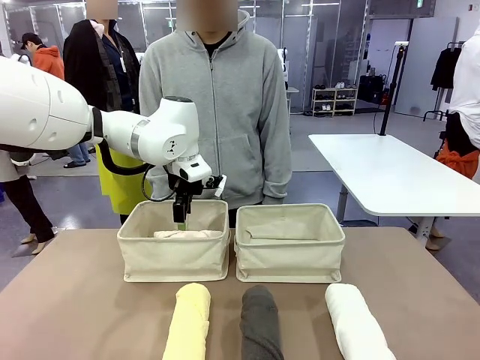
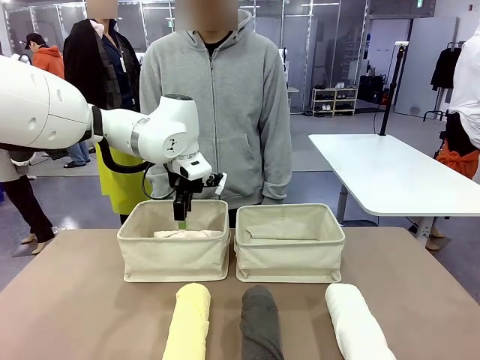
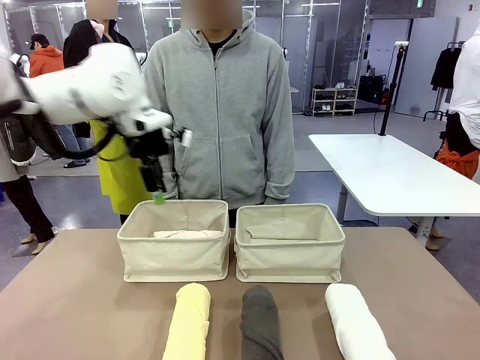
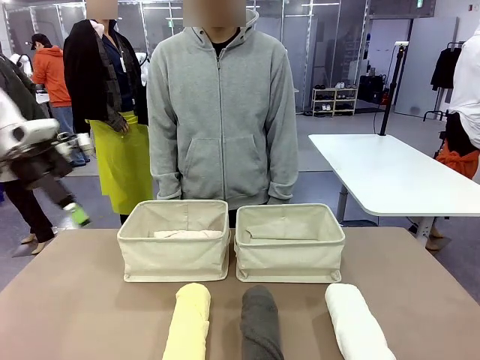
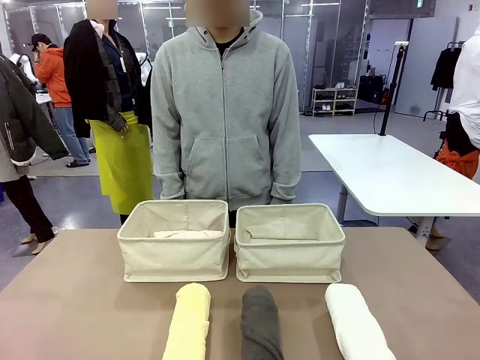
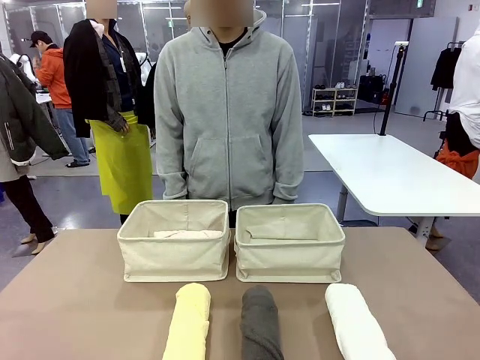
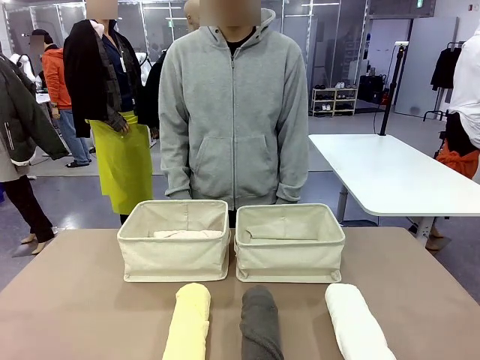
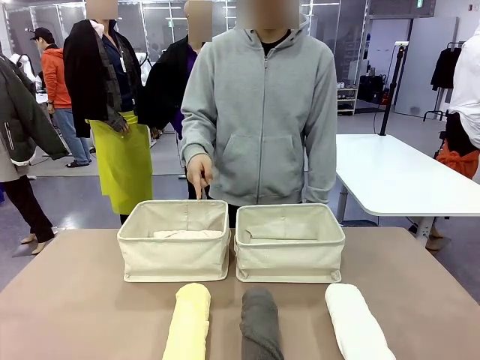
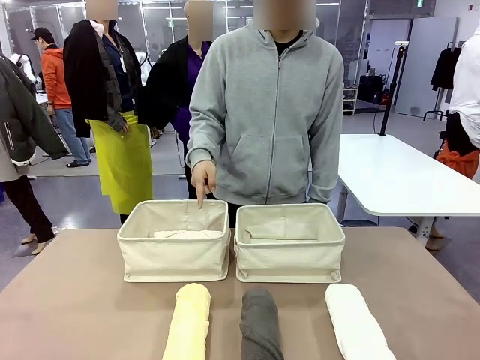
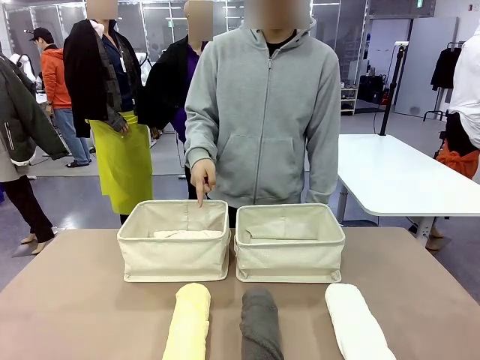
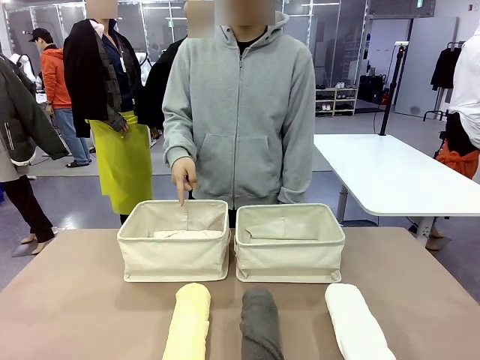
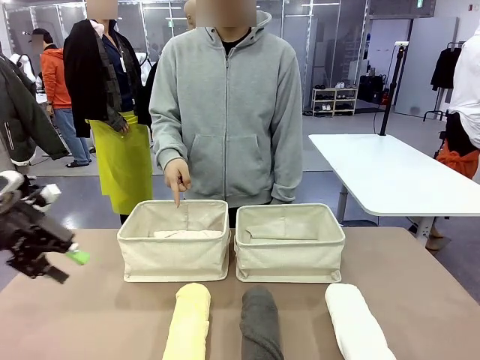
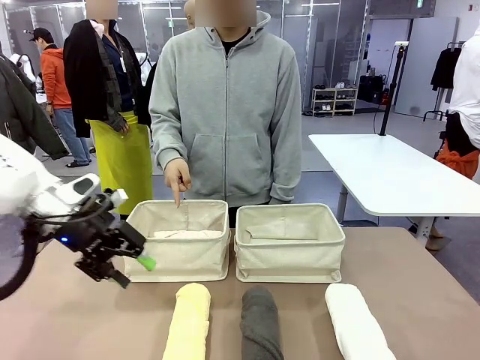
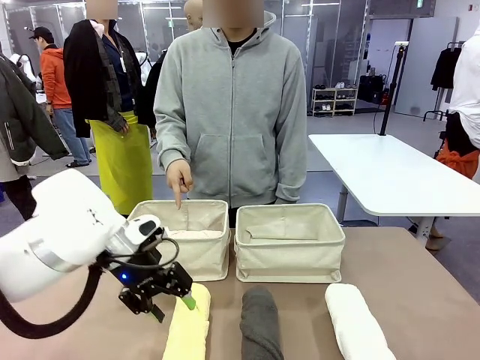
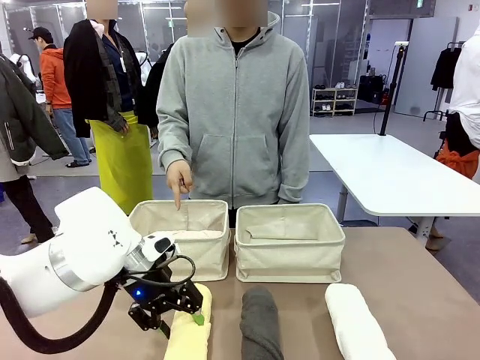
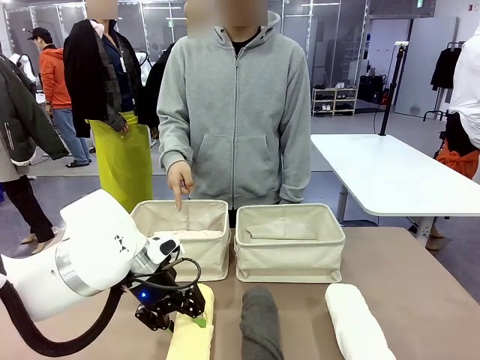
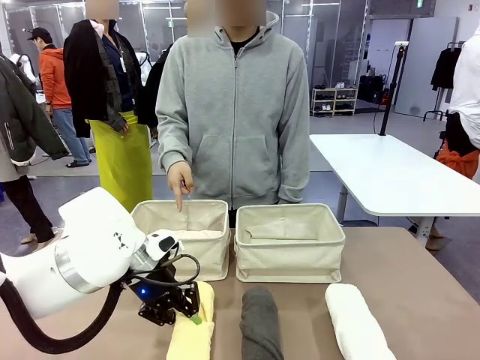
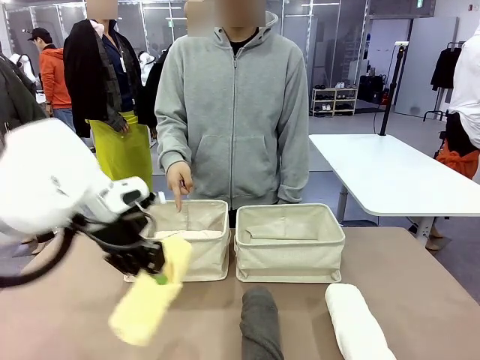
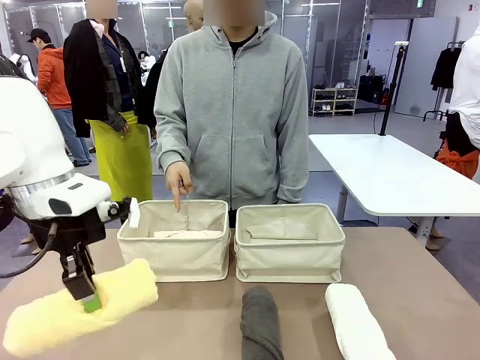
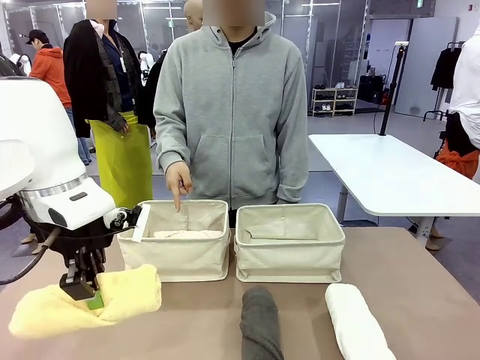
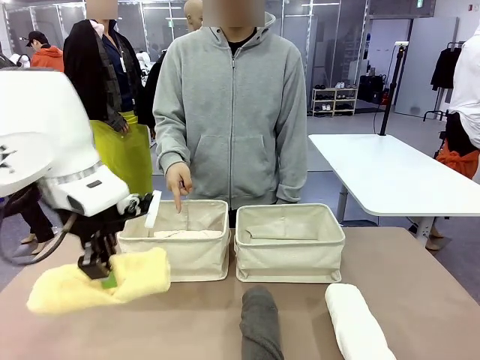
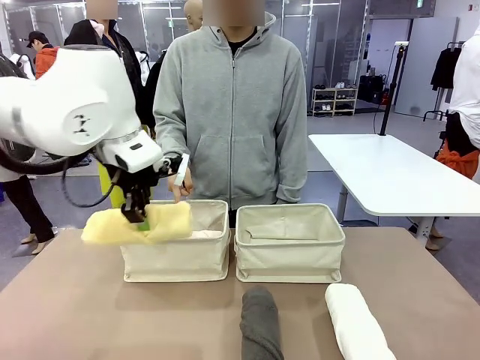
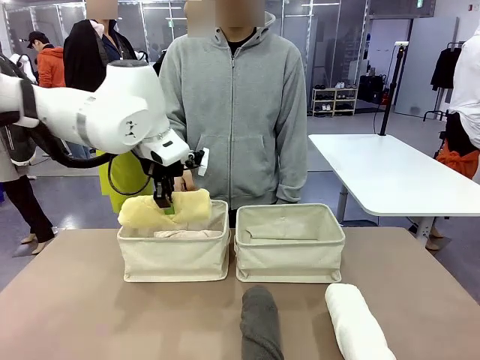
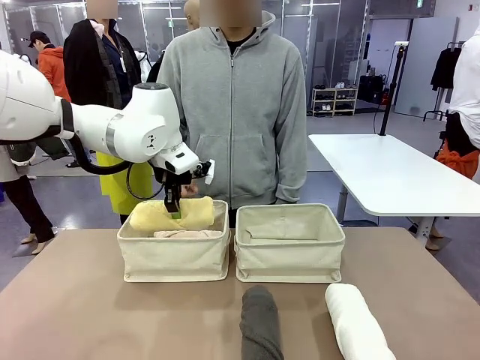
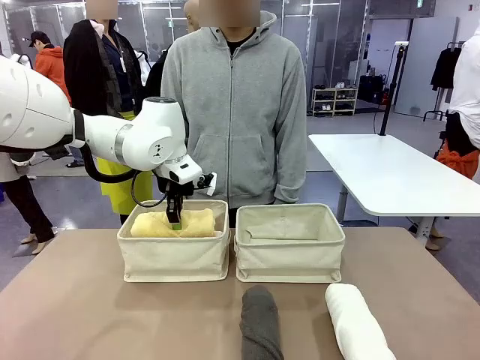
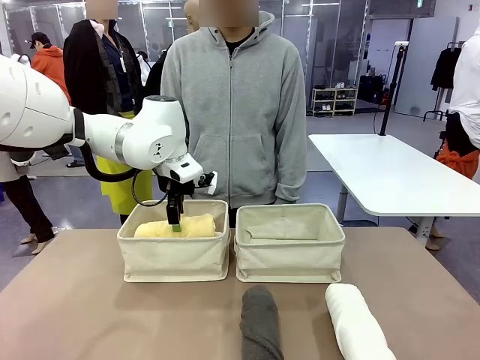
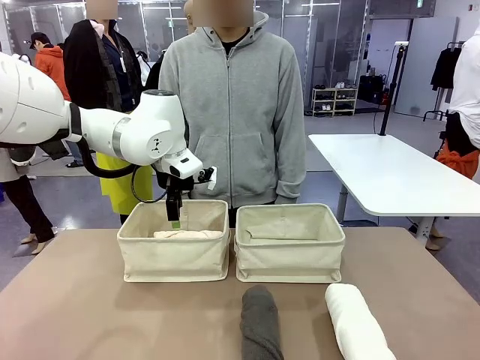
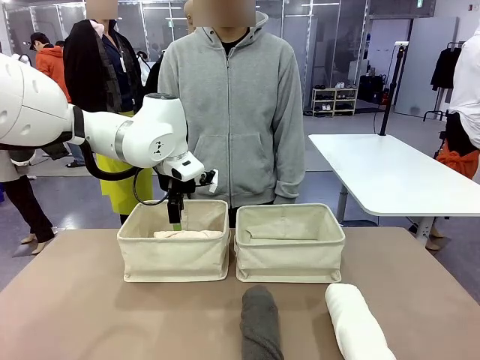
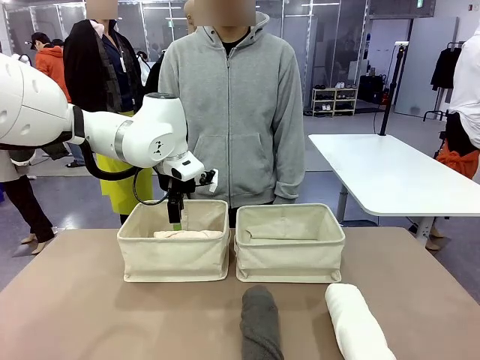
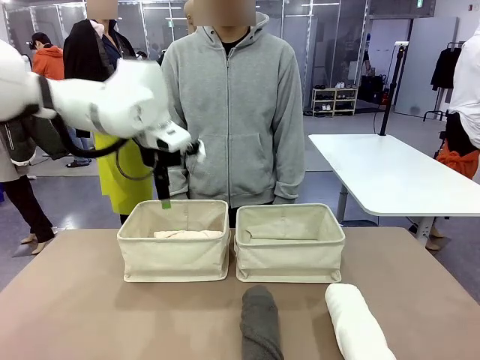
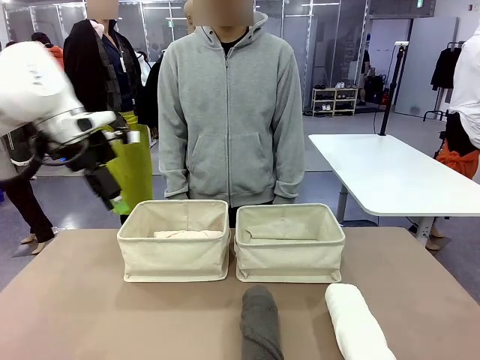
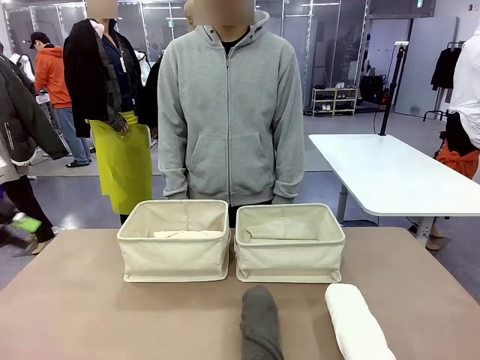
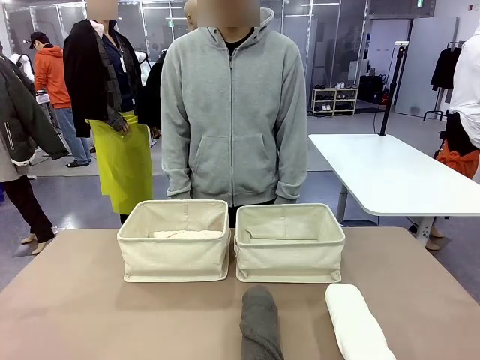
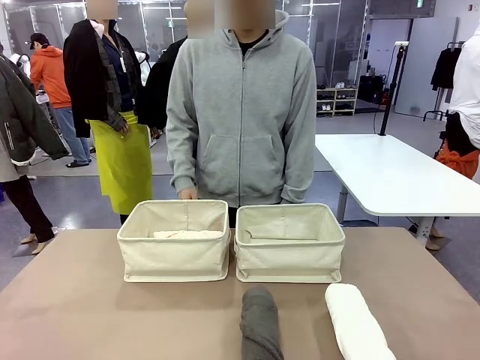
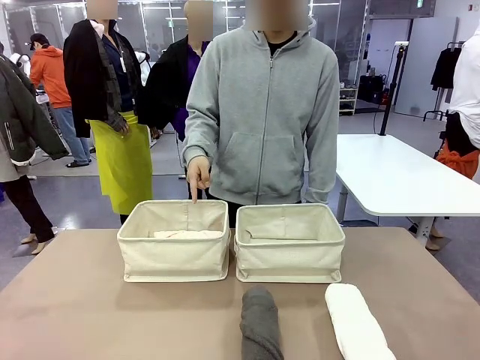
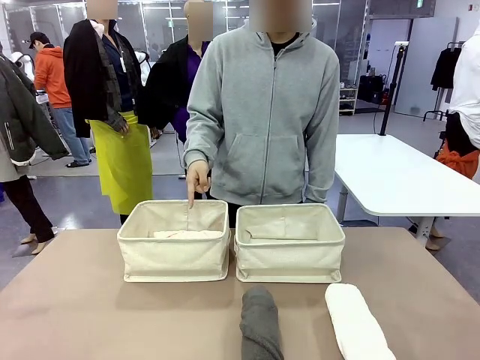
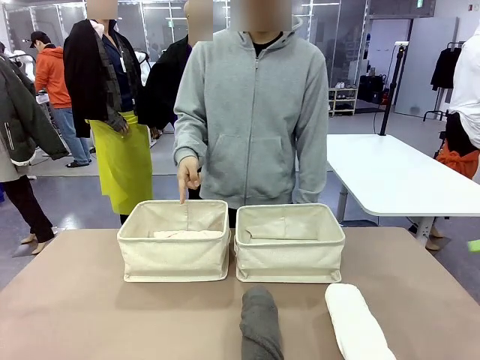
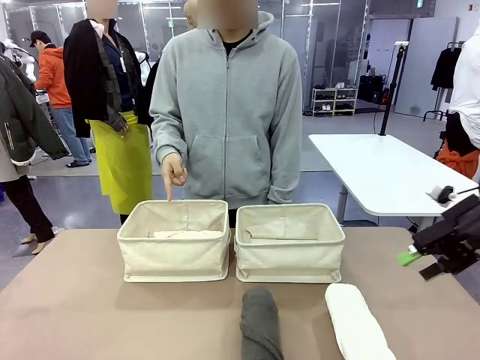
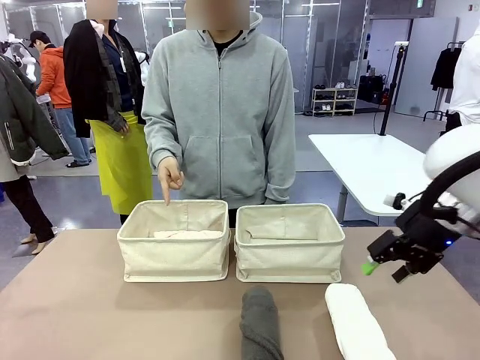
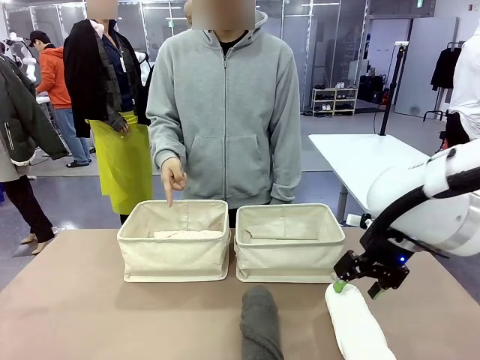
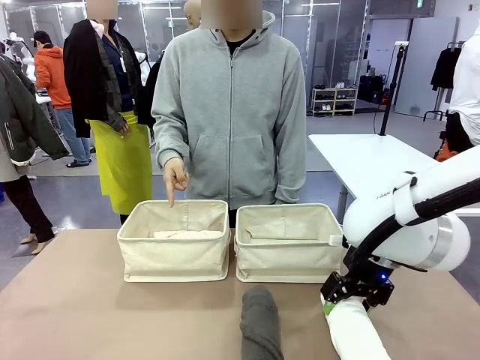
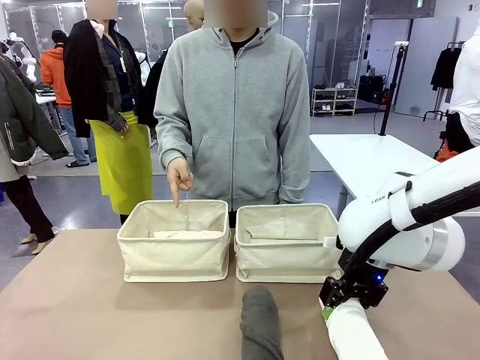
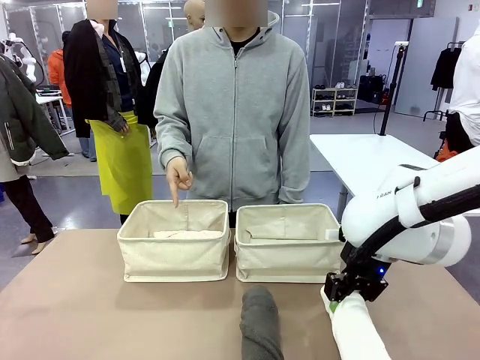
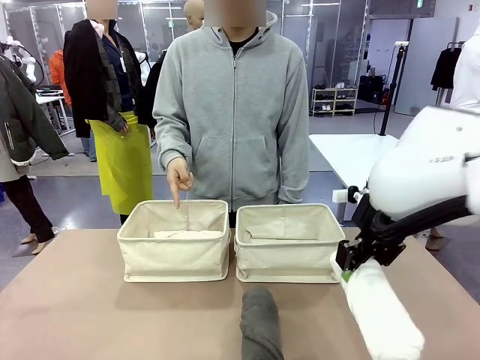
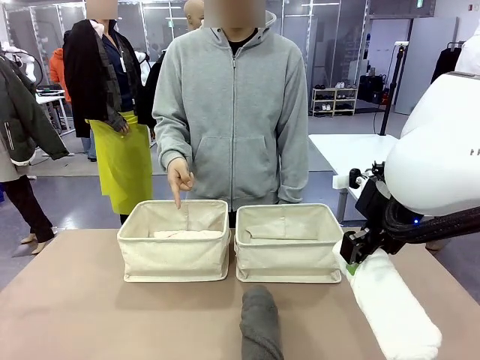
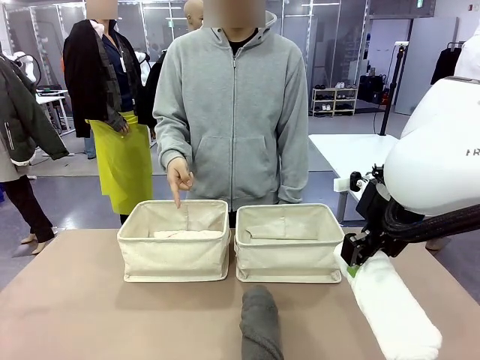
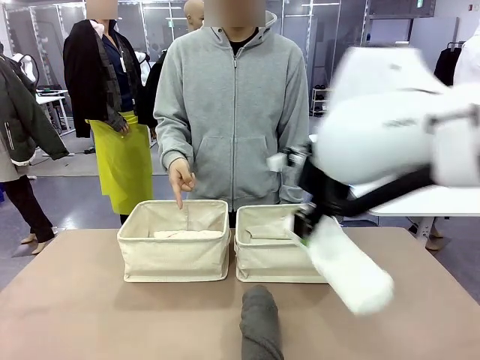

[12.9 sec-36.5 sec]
Task: Divide the towels into two baskets.
Robot: Pick up one hotel-folded towel from the bottom of the table and place it in the Fabric basket indicated by the person.
